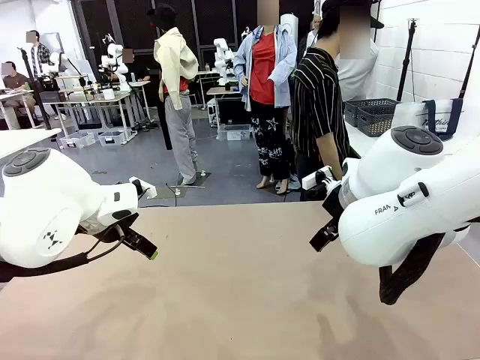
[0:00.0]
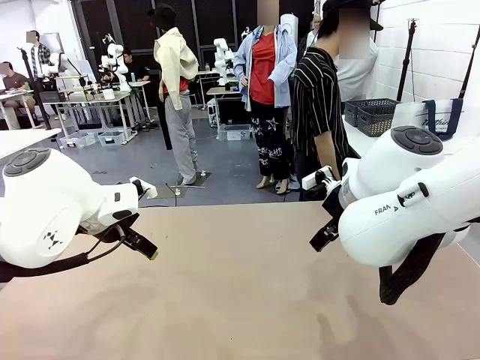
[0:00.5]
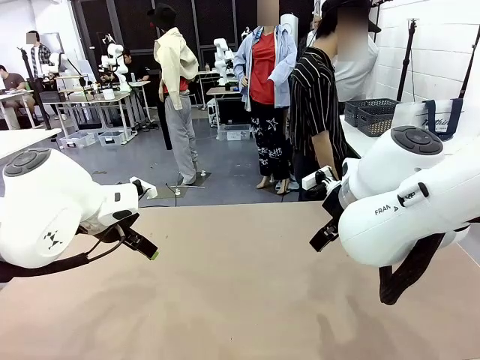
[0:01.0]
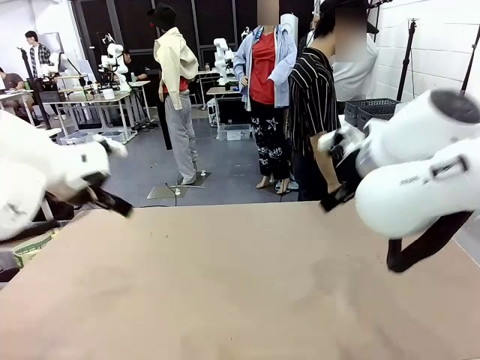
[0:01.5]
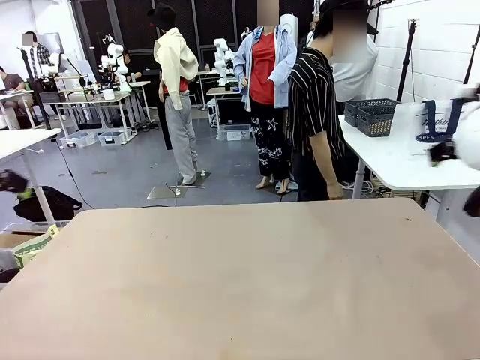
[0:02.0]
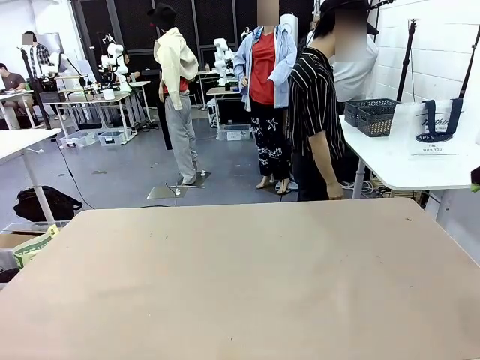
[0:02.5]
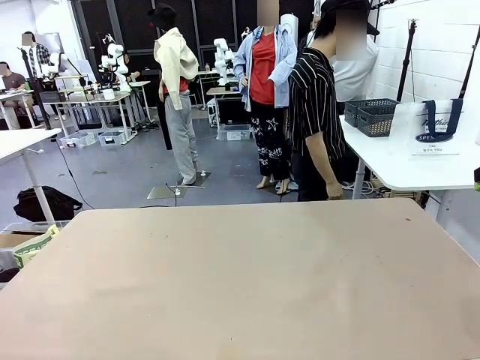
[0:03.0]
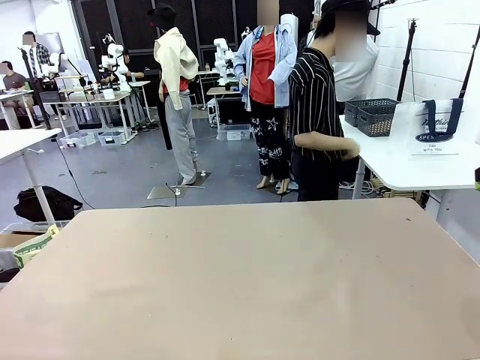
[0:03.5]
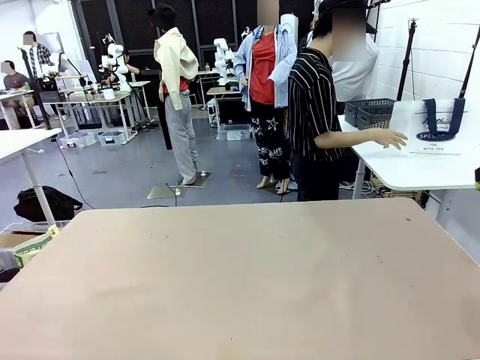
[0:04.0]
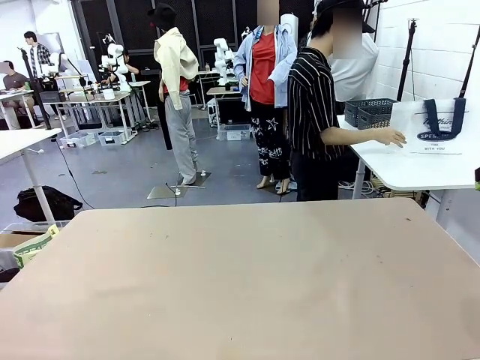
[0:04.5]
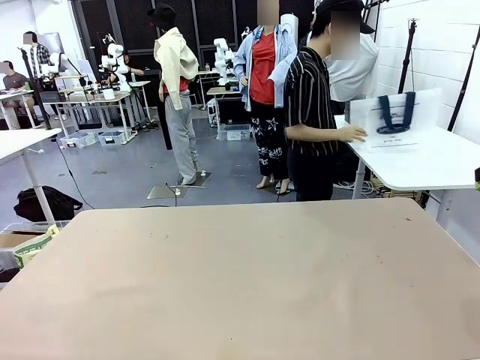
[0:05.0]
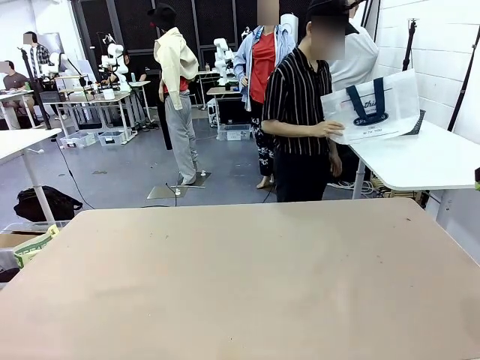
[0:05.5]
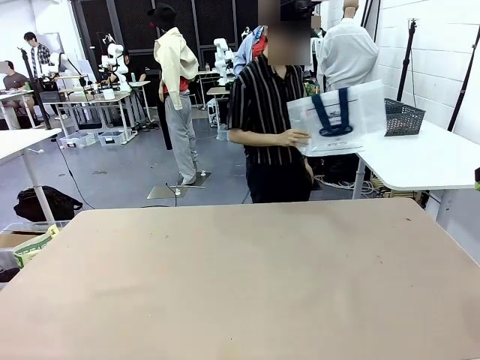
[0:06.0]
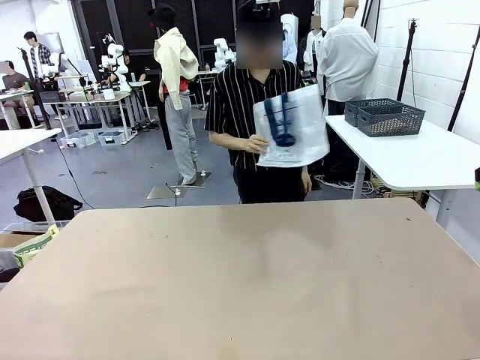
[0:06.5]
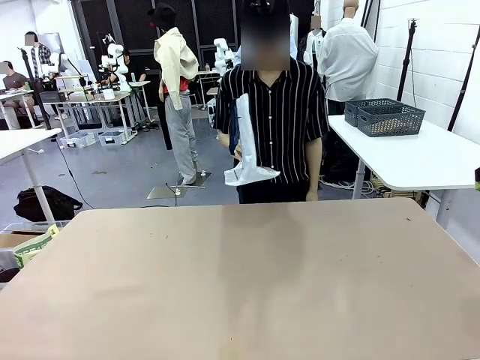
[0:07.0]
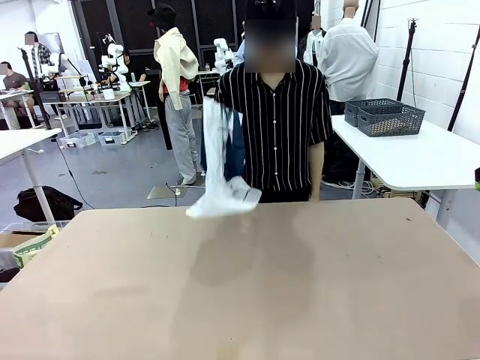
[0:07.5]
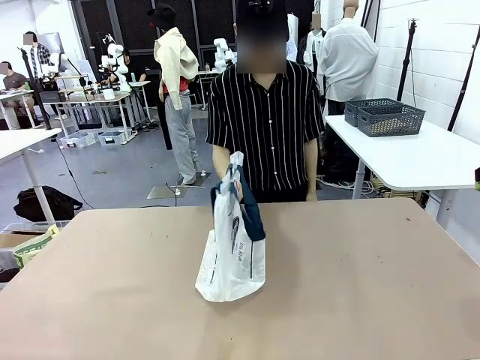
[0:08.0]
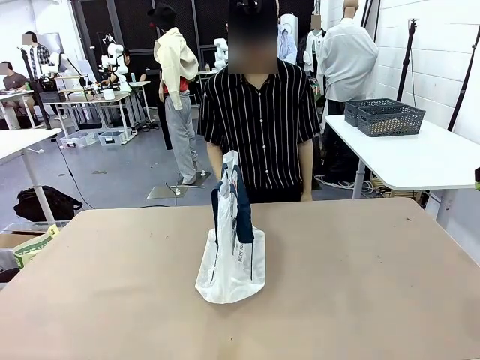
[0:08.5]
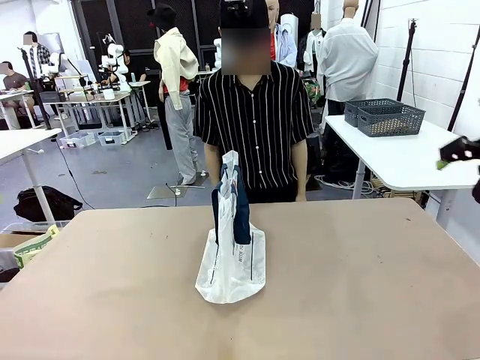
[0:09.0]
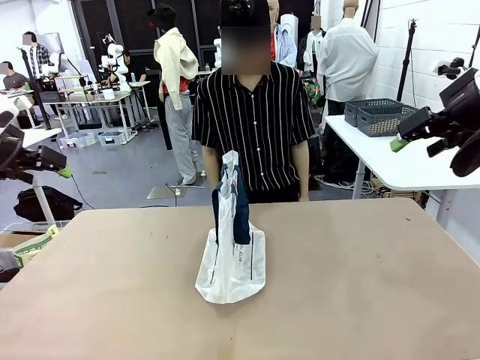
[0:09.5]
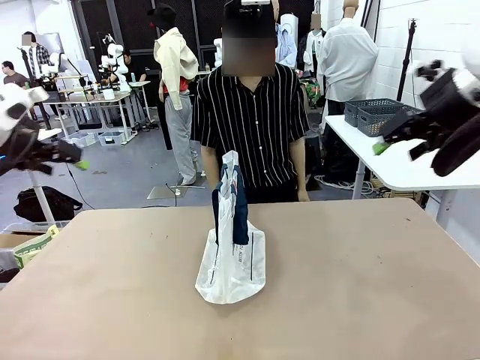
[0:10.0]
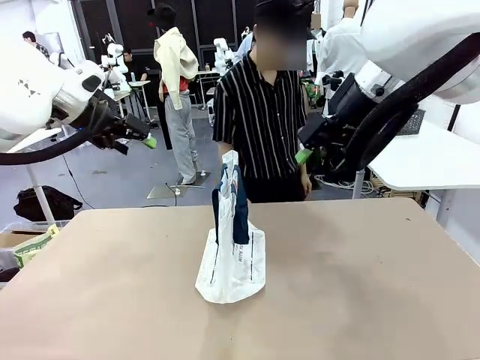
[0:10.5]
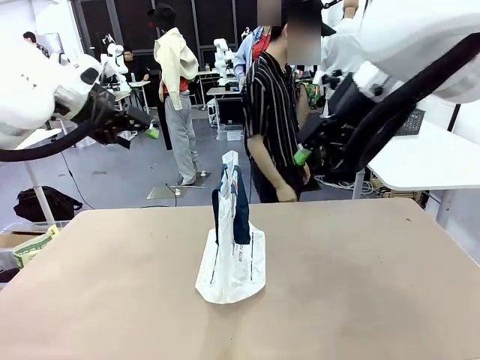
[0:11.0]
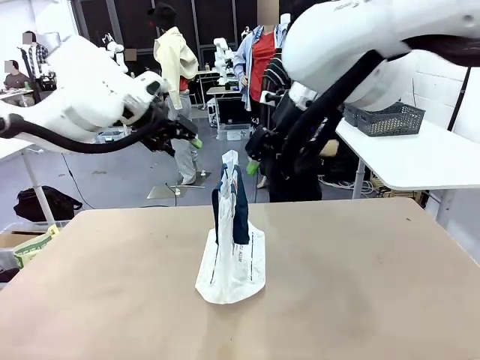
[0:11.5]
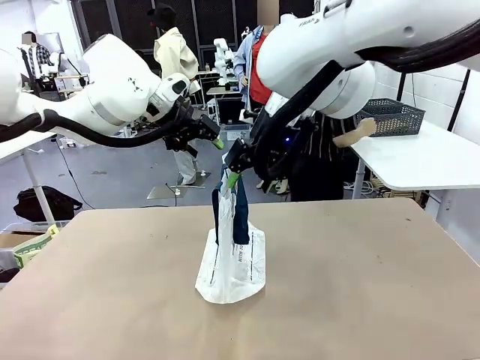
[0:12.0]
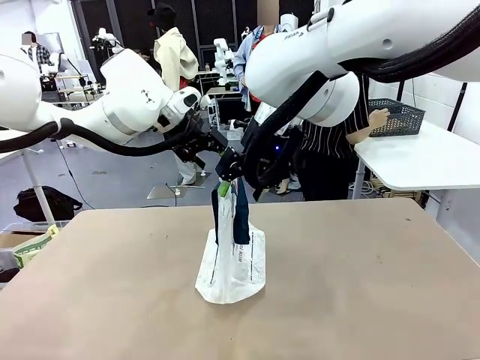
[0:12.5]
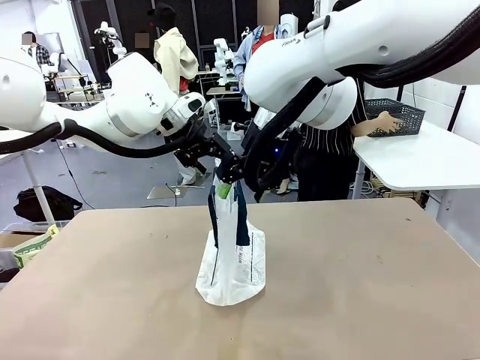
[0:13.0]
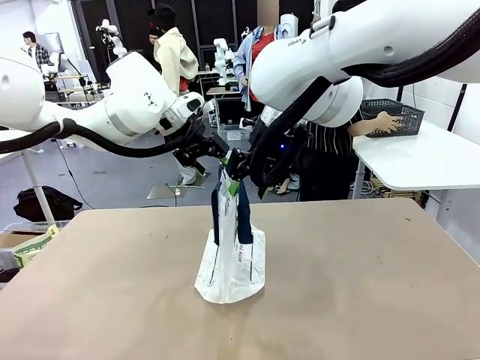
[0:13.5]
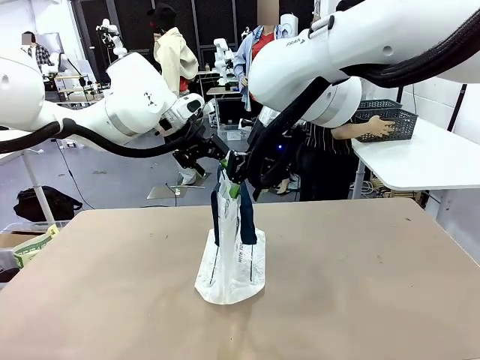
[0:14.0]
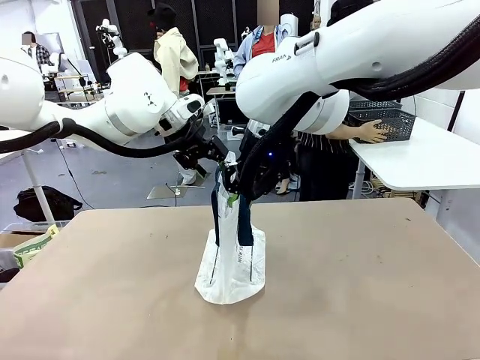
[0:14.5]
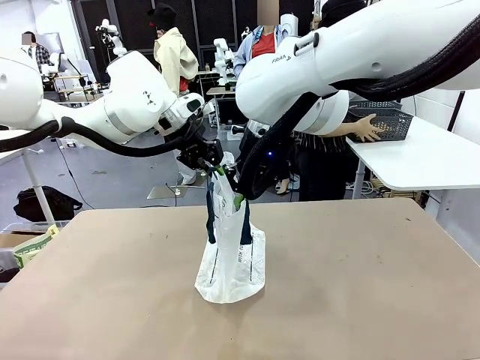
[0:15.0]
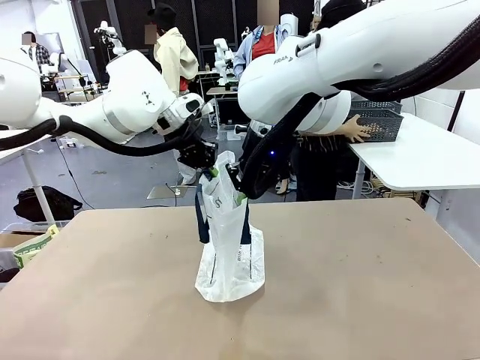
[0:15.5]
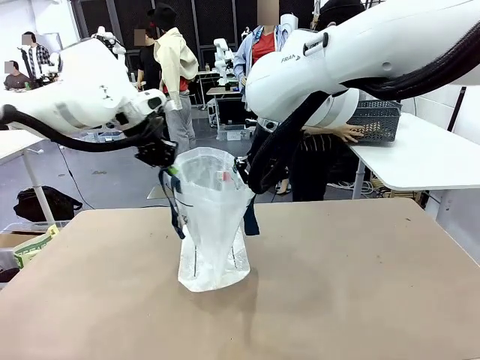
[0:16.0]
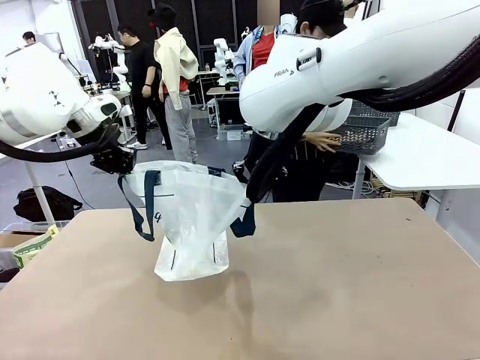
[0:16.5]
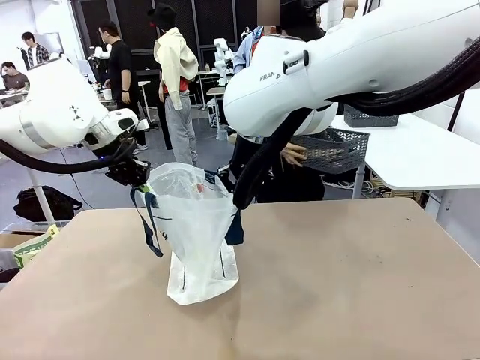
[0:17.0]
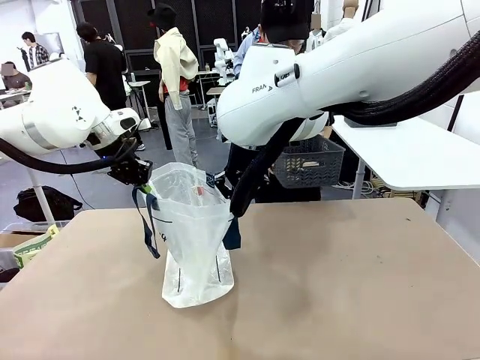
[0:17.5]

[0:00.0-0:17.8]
Task: Transfer purchased items from the store into the shopping bag.
Robot: Open the Reusable shopping bag in the center of the table.
Person: Pick up the shopping bag and place it in the middle of the robot table. Pick up the basket on the right, place it on the left side of the robot table, and move the items in the basket to the shopping bag.
